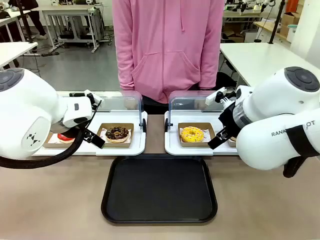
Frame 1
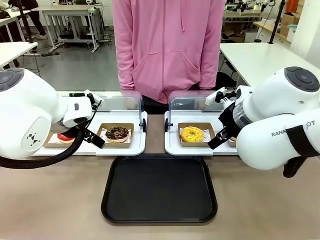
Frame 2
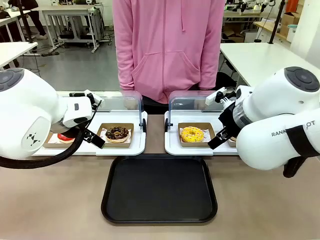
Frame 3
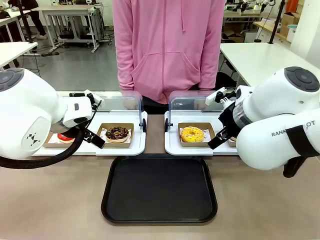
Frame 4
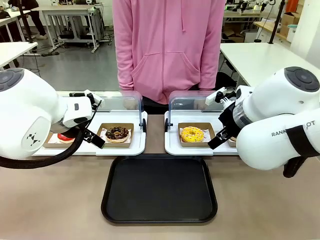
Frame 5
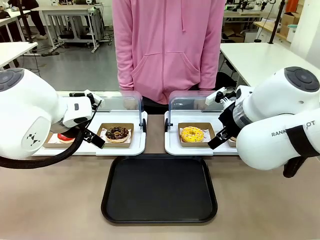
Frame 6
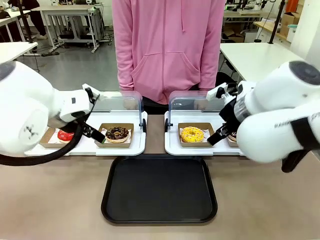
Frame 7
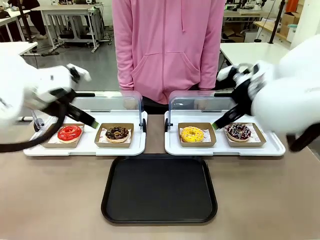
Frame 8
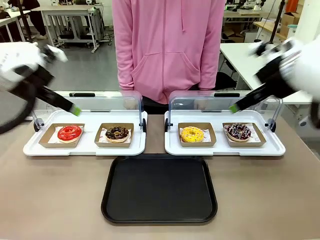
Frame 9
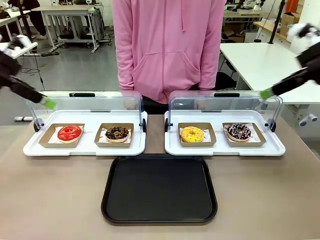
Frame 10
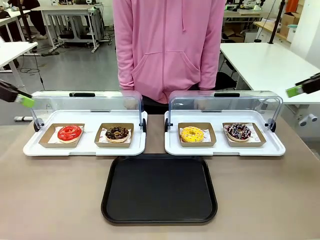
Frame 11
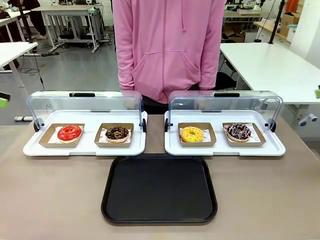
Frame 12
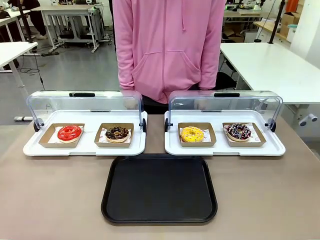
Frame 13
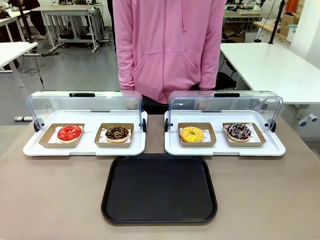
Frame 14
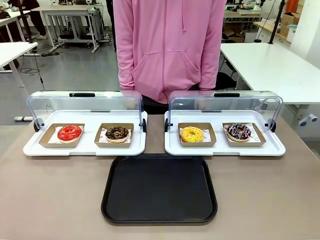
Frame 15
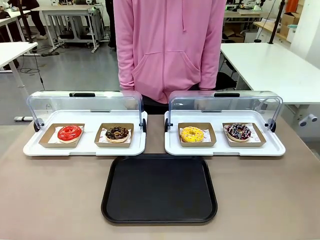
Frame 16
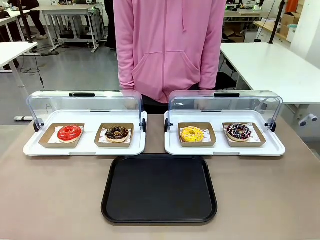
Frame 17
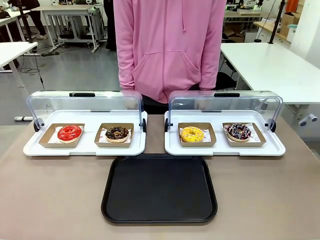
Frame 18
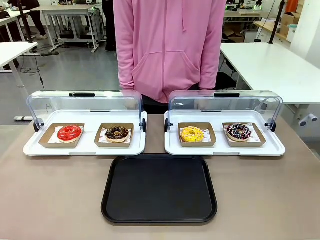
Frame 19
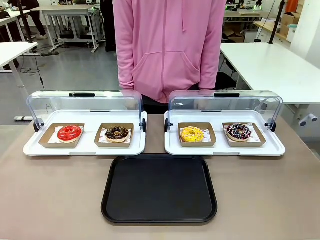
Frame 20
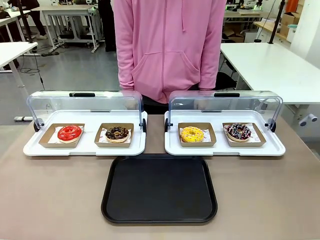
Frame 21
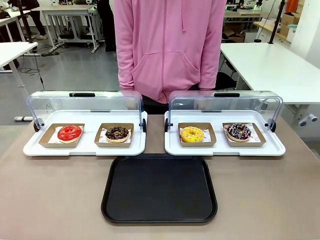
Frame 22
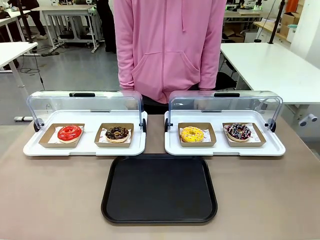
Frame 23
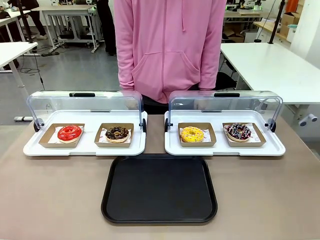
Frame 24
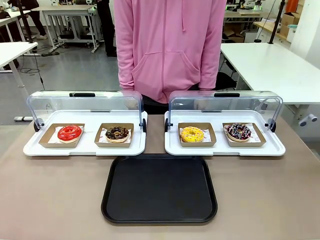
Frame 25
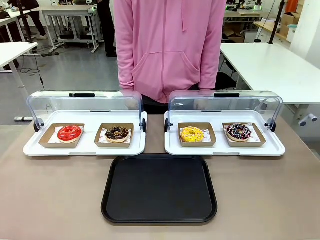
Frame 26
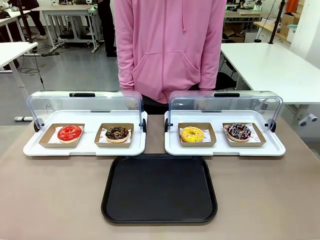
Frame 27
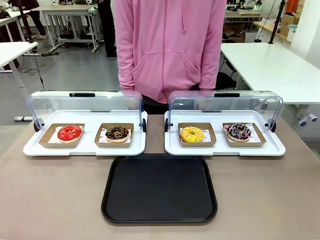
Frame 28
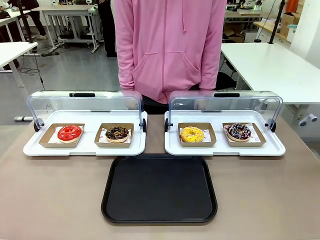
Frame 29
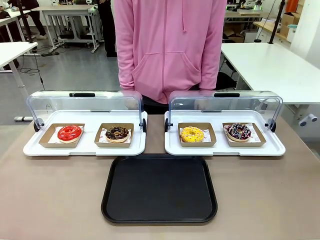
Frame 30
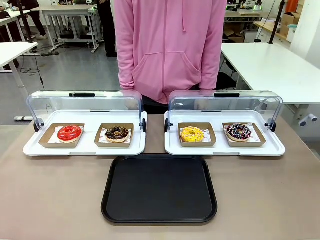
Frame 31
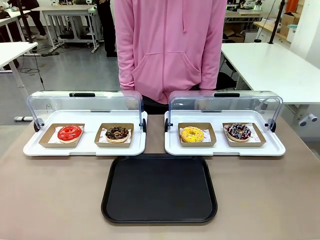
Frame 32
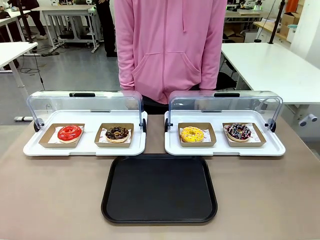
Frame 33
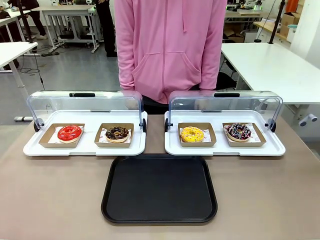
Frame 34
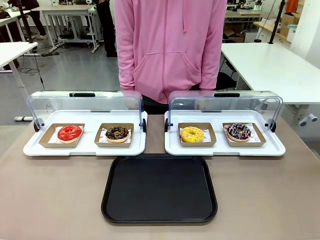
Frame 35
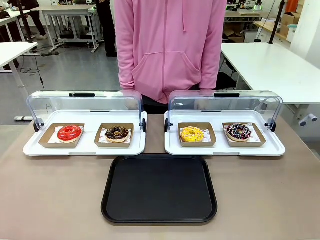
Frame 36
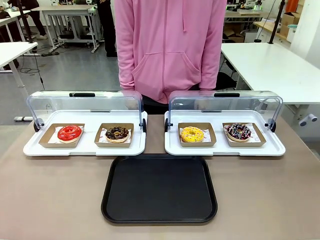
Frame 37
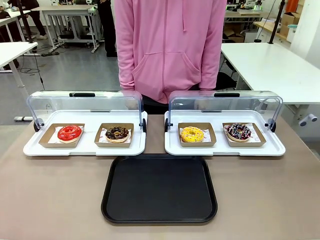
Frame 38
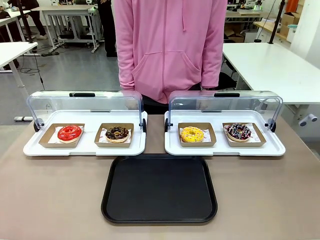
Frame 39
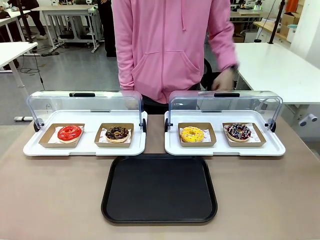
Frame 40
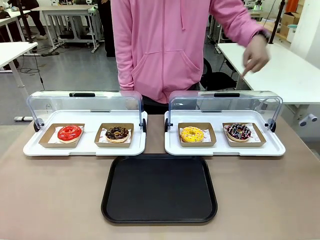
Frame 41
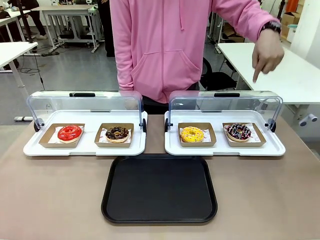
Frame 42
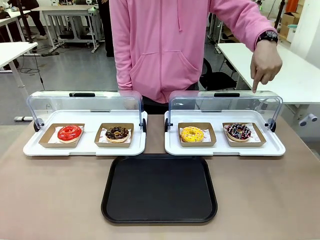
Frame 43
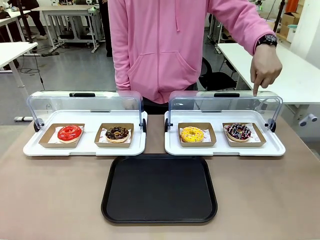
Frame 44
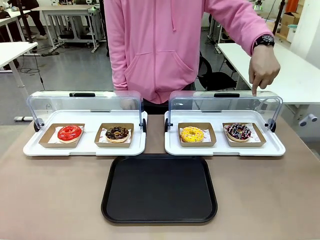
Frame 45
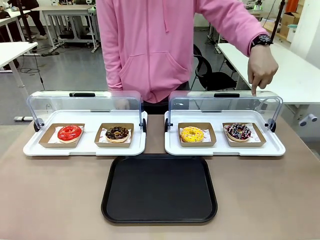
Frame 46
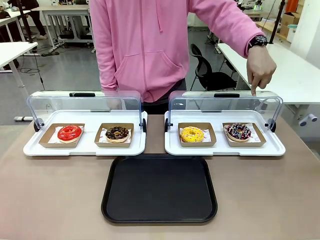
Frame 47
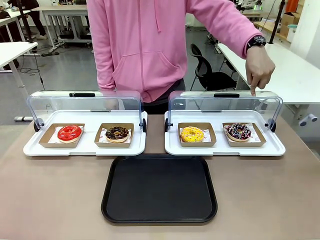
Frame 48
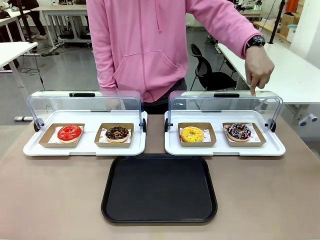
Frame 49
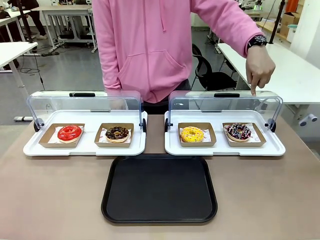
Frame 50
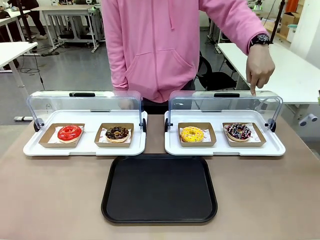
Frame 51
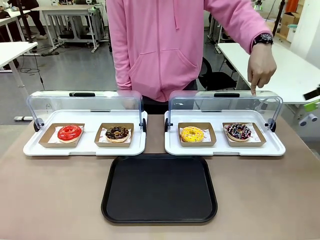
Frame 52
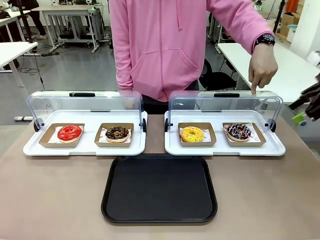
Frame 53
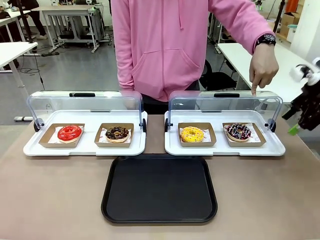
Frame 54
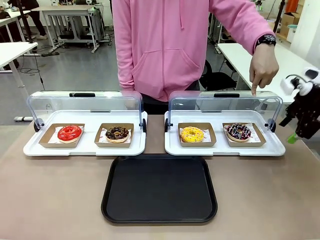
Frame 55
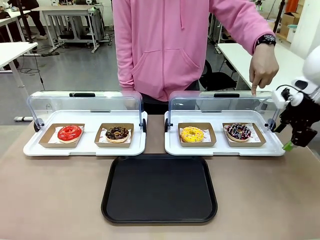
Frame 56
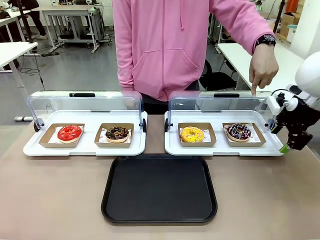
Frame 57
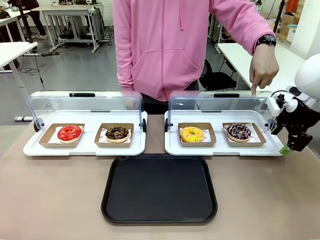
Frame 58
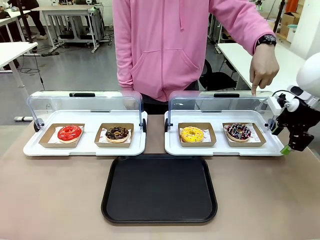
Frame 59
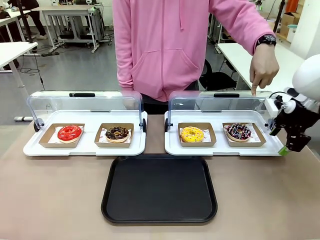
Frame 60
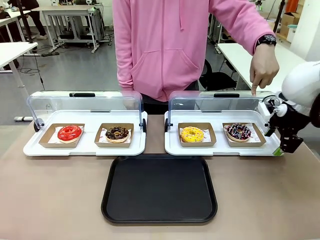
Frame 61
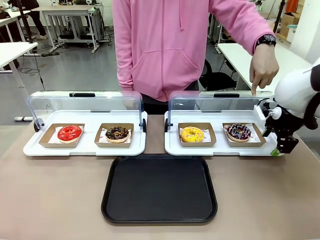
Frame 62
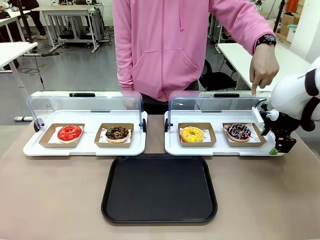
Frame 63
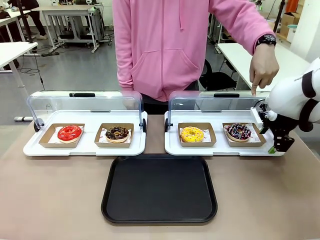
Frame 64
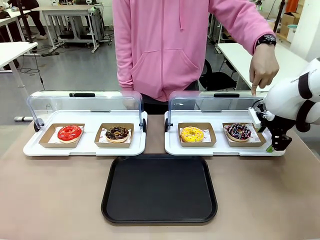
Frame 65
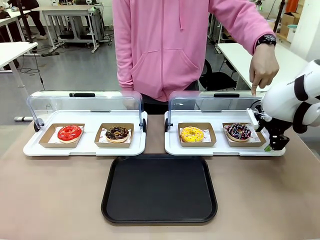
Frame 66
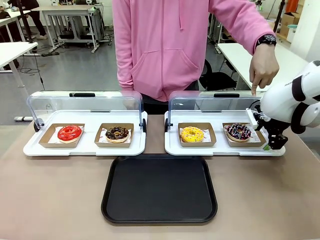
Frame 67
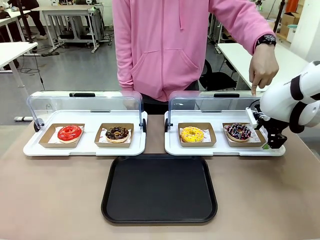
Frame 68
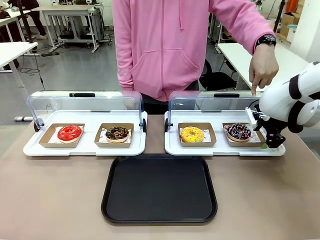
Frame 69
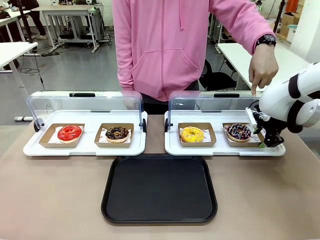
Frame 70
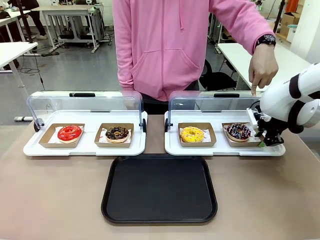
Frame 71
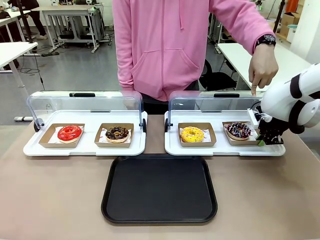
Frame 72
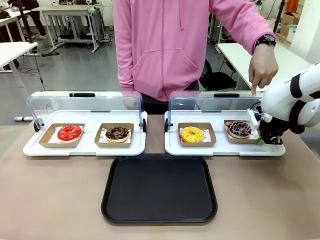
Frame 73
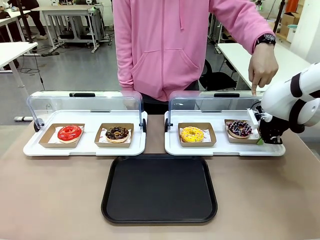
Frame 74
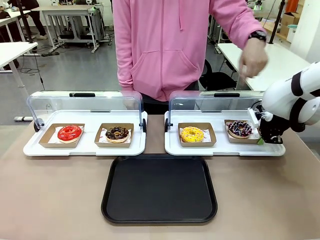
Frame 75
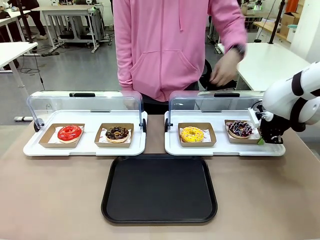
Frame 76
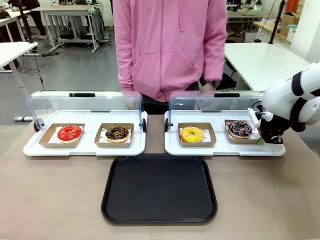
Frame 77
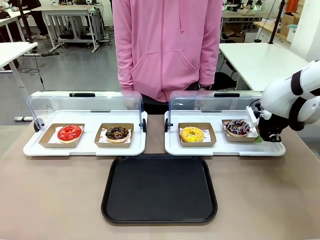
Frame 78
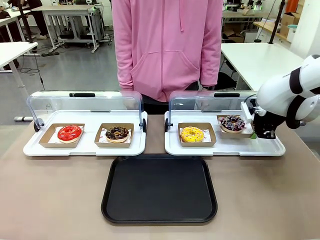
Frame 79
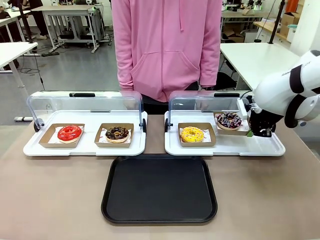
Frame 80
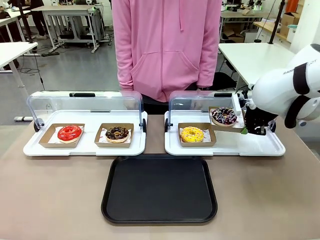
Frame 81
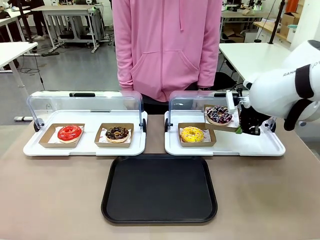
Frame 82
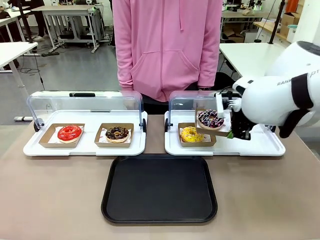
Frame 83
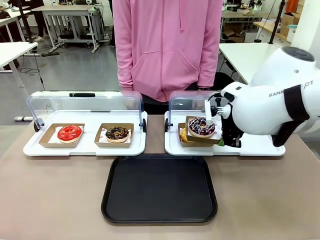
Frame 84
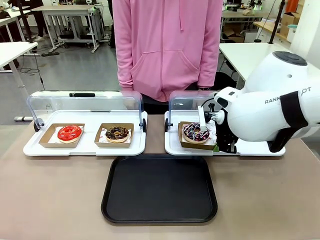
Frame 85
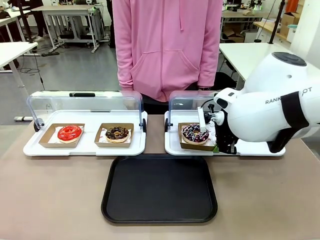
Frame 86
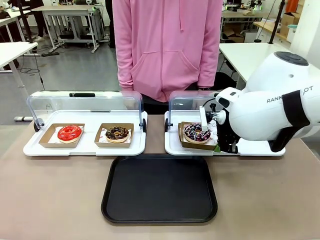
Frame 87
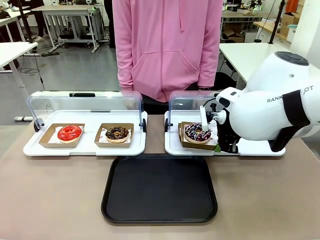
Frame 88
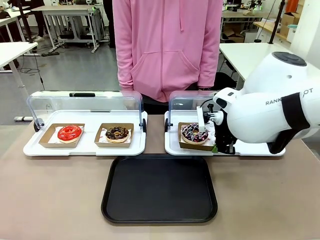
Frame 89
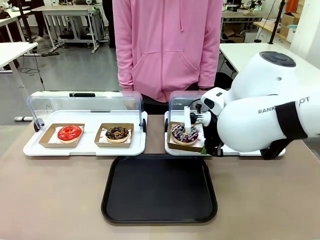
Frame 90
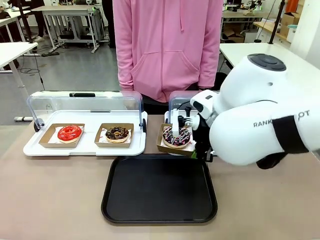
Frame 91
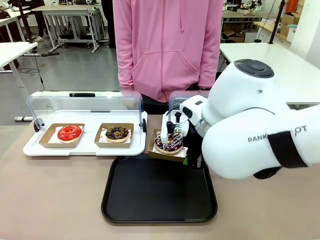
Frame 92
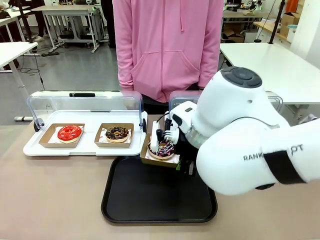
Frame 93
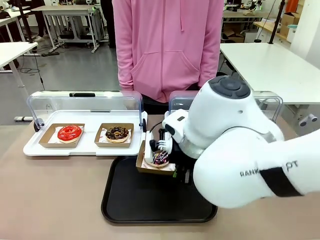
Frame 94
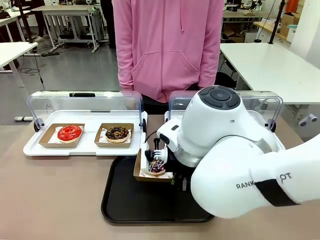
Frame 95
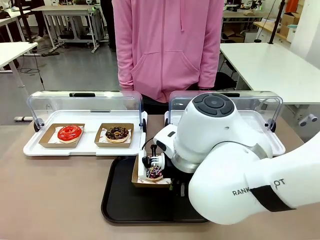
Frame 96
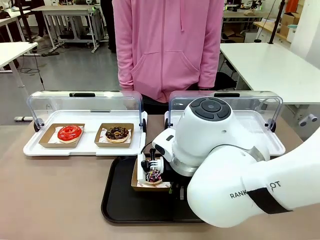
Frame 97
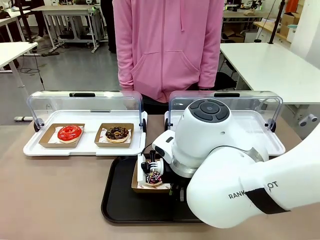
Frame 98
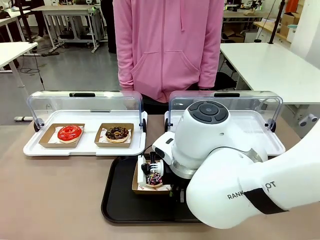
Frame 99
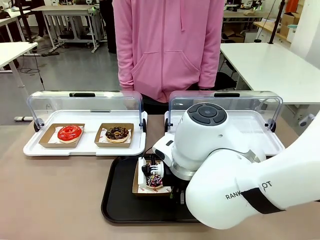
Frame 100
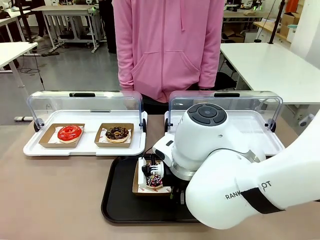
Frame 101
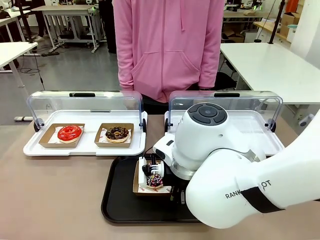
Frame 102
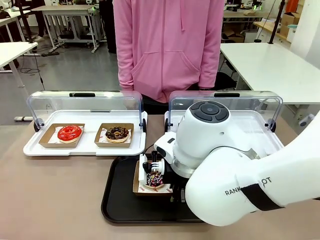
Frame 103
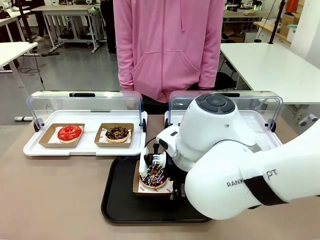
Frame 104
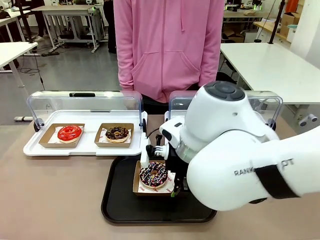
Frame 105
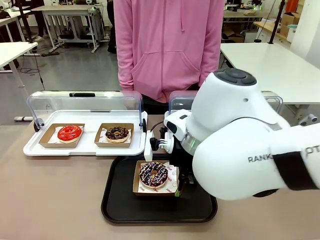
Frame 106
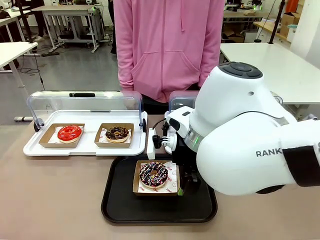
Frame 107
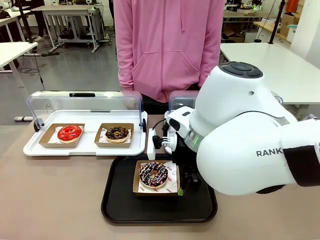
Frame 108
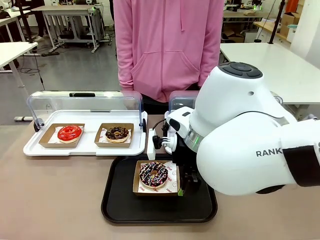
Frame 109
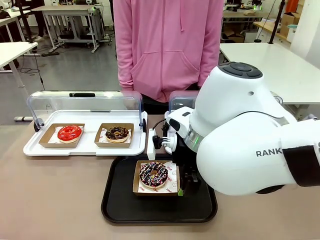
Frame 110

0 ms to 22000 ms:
Task: Move the fourth donut from the left to the tray.
Robot: Pick up the Paper togo box containing the Donut indicated by the person and place it on the Handle tray.
Person: Points to the fourth donut from the left from the robot’s perspective.
